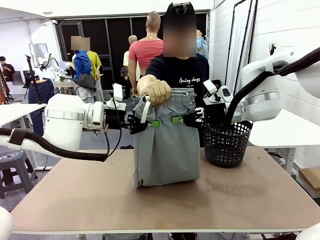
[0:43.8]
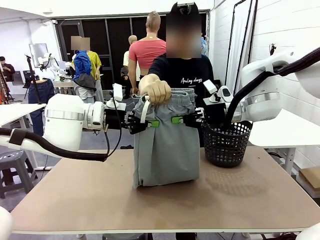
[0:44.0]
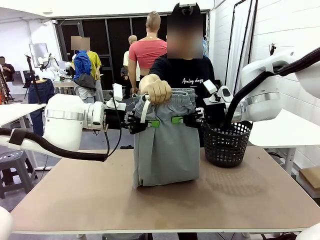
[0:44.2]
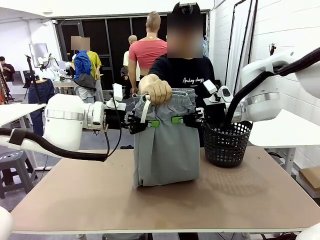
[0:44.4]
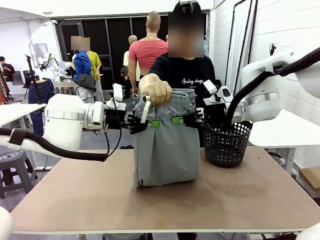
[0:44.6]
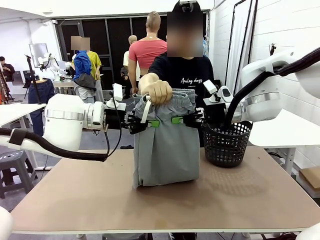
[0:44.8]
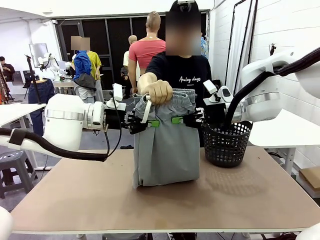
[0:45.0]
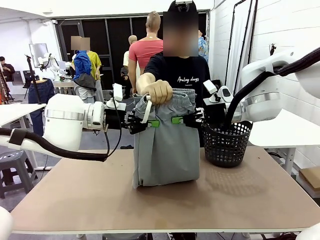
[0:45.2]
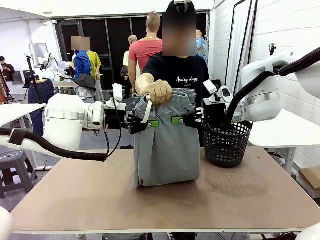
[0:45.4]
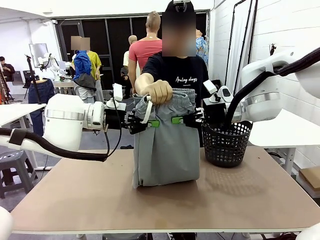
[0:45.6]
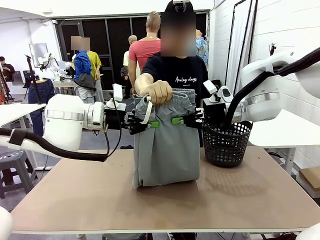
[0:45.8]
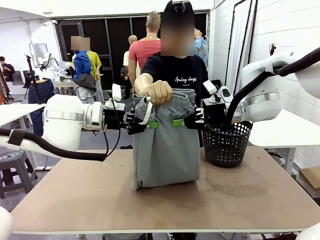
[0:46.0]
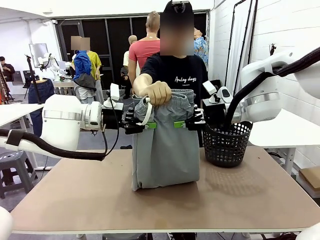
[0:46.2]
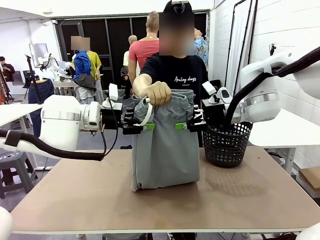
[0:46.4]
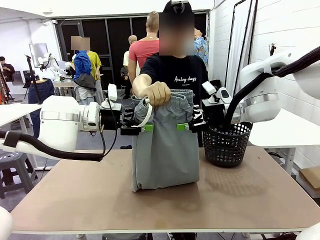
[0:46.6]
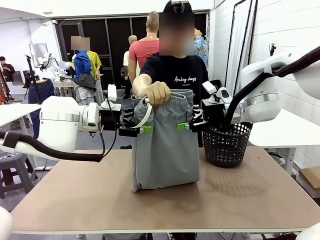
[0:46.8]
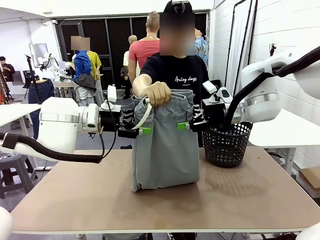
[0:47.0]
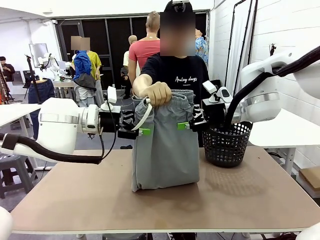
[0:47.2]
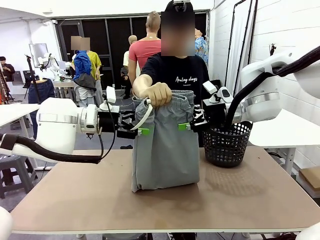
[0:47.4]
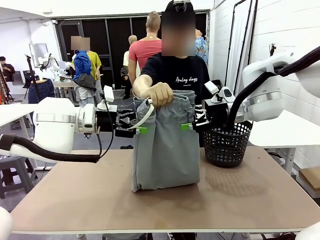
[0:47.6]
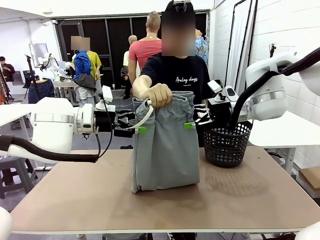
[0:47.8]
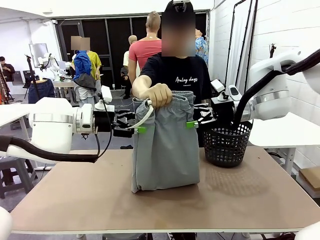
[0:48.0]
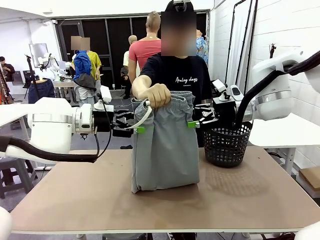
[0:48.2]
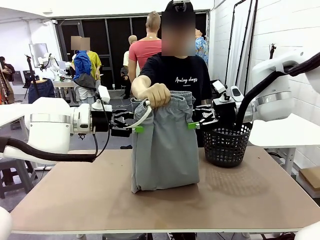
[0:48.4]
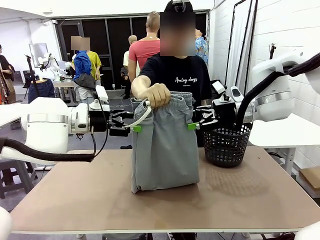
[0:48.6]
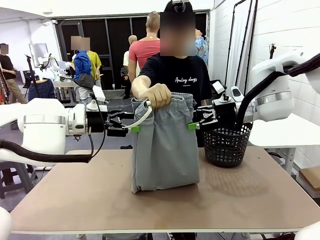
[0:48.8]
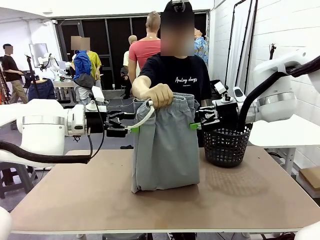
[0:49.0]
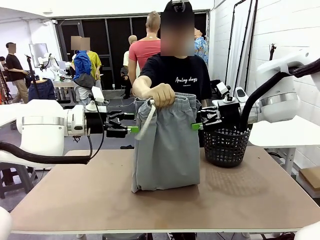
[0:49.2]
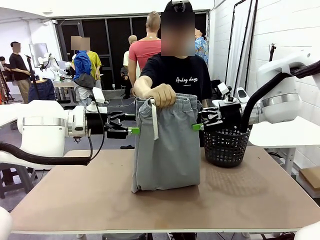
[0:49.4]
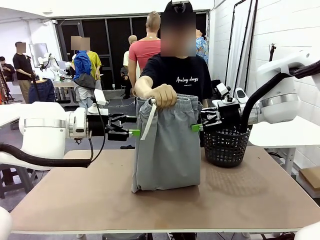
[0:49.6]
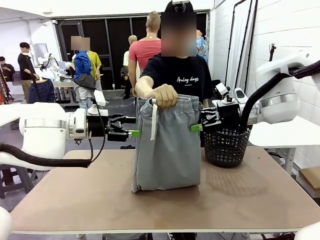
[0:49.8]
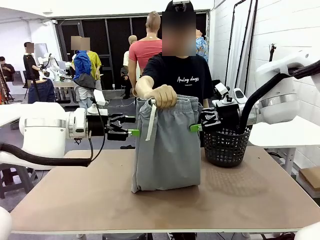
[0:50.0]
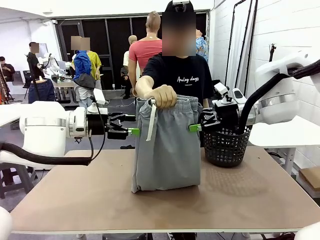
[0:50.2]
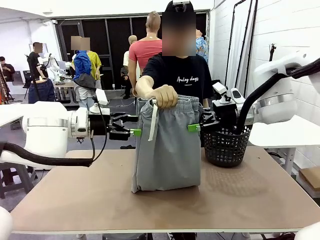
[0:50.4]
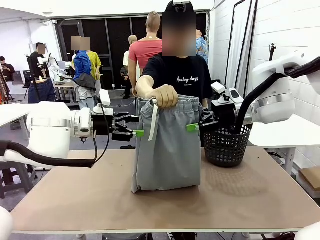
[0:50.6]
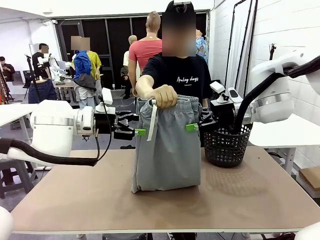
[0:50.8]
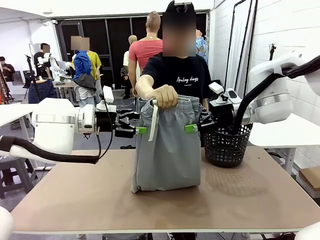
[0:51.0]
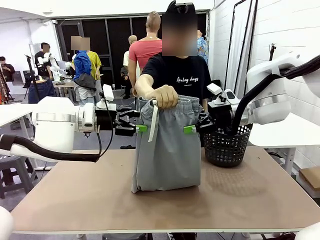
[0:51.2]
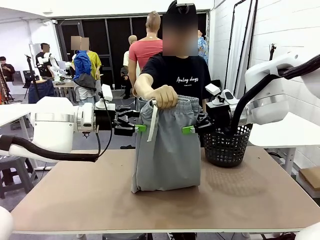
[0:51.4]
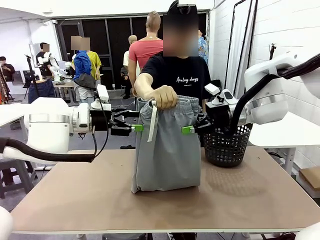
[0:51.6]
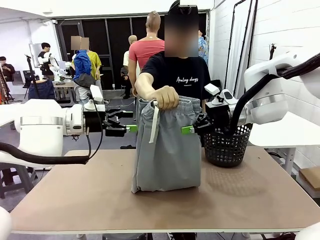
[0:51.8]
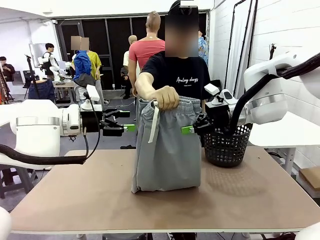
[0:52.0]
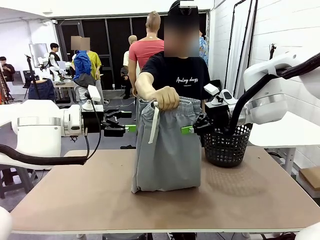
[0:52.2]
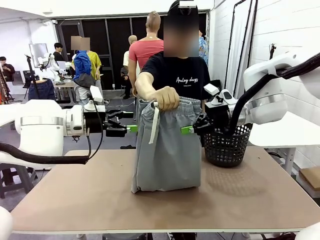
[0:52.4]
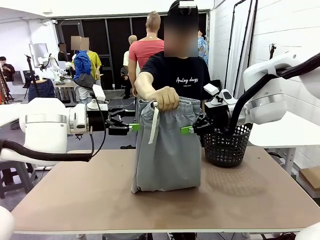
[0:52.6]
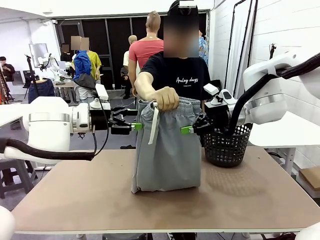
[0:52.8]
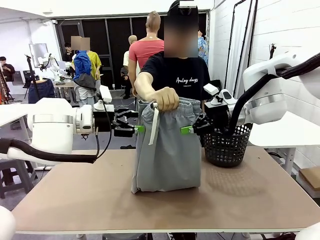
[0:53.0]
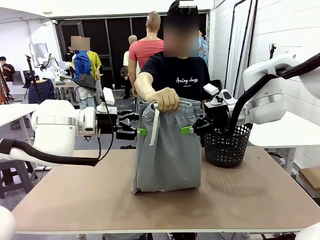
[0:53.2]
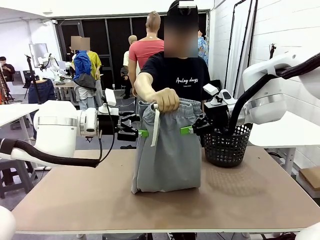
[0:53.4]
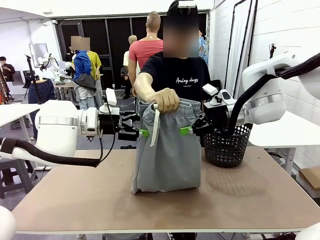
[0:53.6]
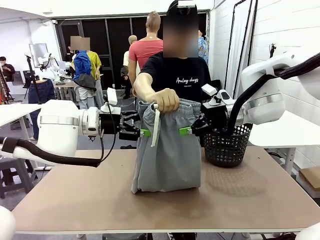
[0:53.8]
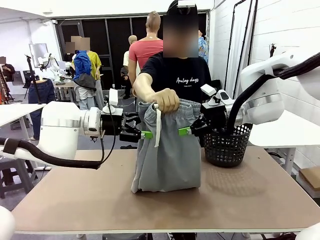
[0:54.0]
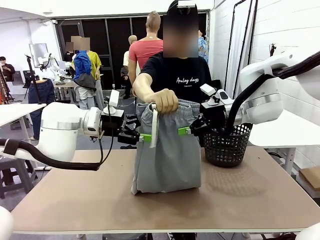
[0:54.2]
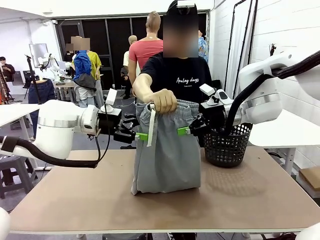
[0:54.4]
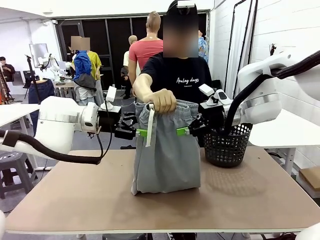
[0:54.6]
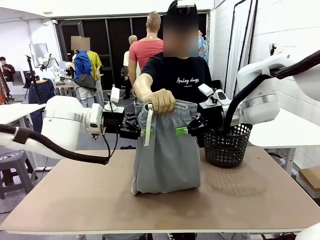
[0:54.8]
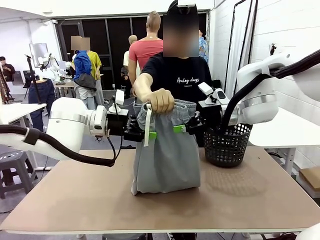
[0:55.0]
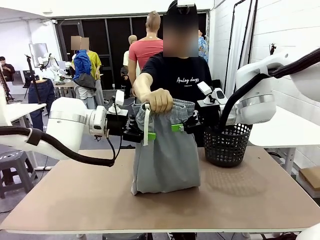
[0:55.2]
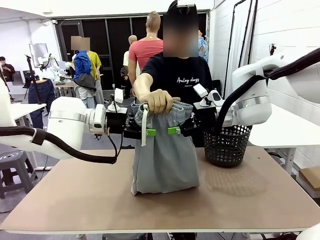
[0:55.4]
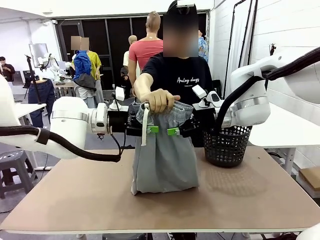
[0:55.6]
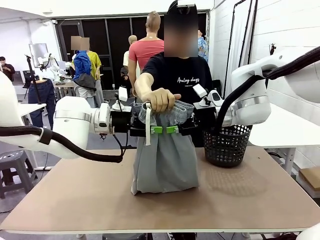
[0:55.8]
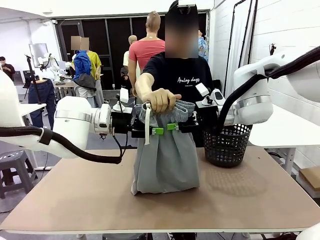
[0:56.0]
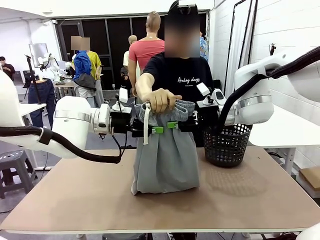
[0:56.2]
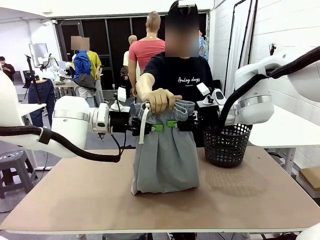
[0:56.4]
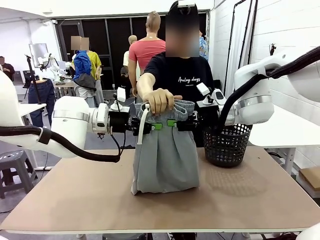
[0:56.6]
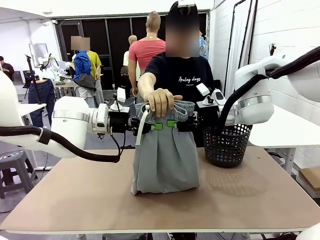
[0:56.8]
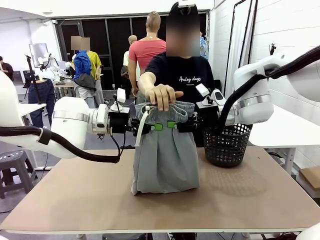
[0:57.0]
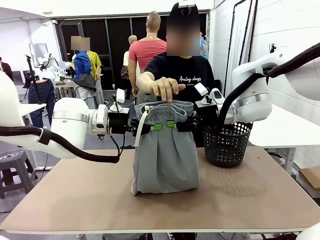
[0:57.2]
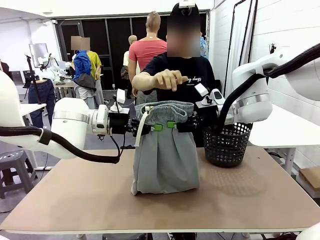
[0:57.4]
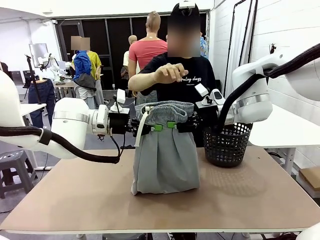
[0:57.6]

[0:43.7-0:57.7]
Task: Fold the training pants.
Robot: Release the ends of the Training pants and then grab the overlapped ends.
Person: Release the pants you were holding.
